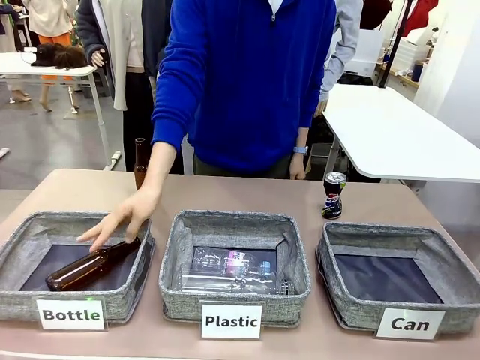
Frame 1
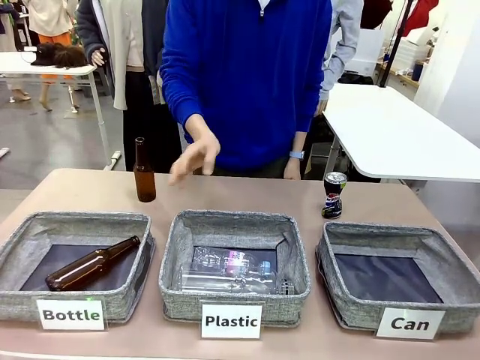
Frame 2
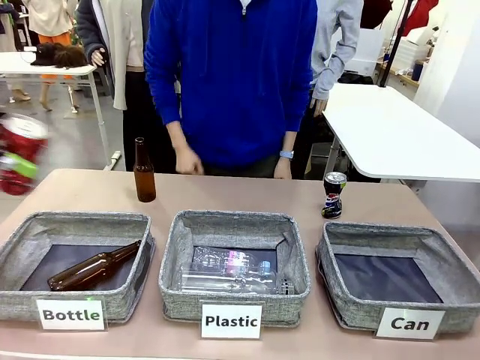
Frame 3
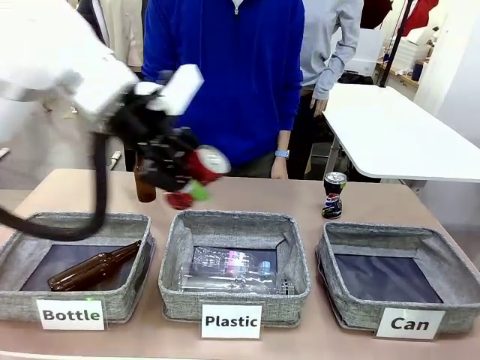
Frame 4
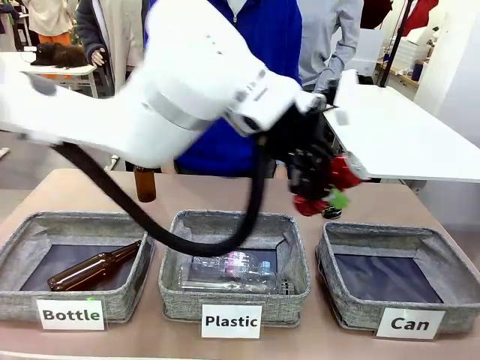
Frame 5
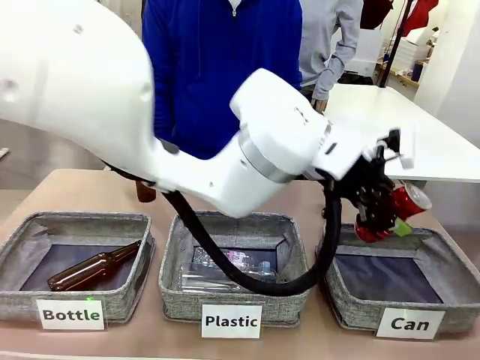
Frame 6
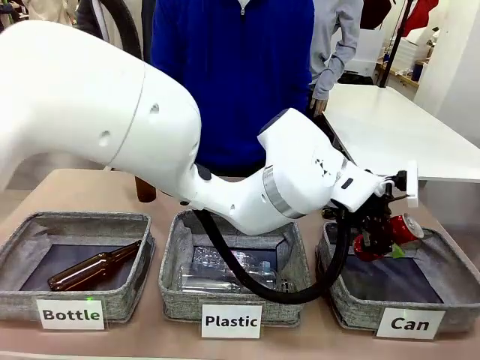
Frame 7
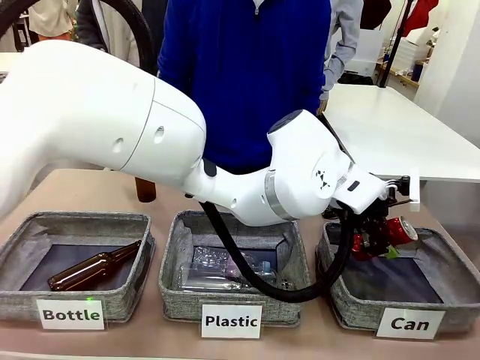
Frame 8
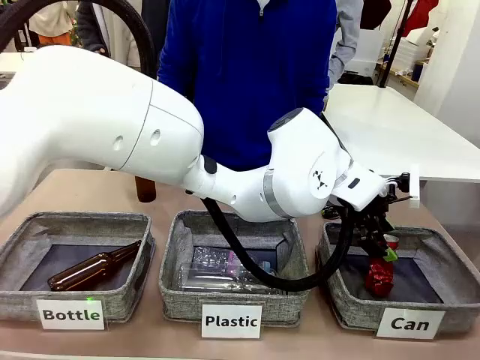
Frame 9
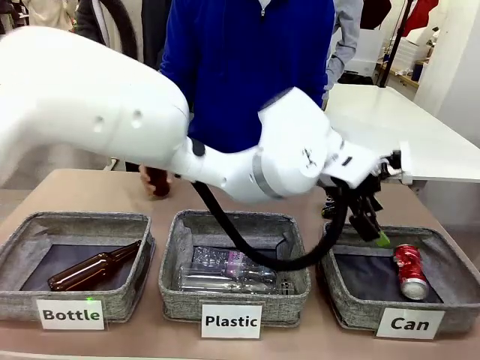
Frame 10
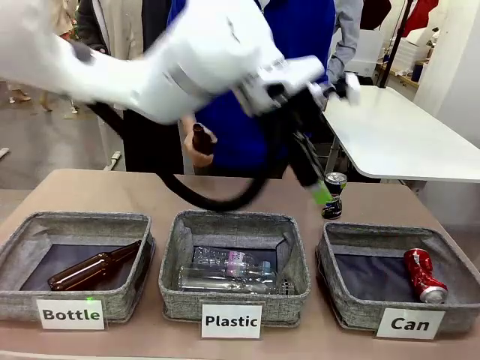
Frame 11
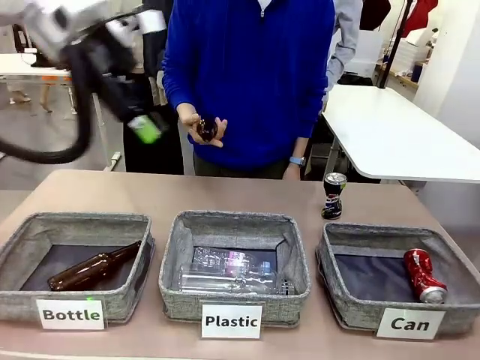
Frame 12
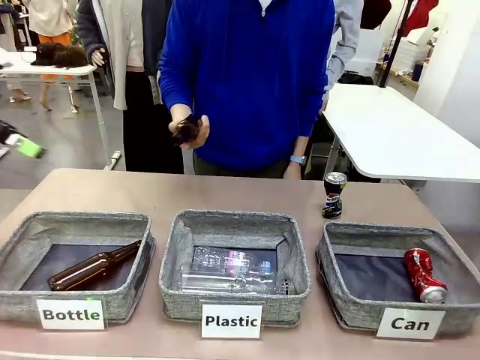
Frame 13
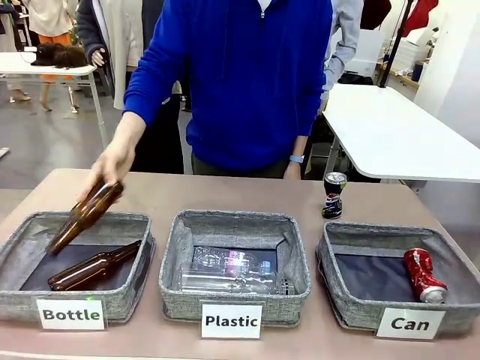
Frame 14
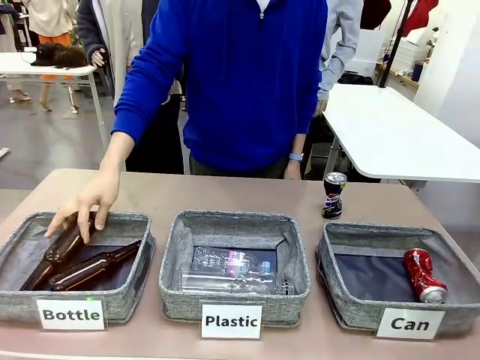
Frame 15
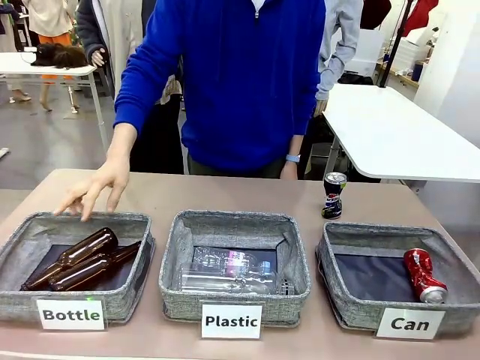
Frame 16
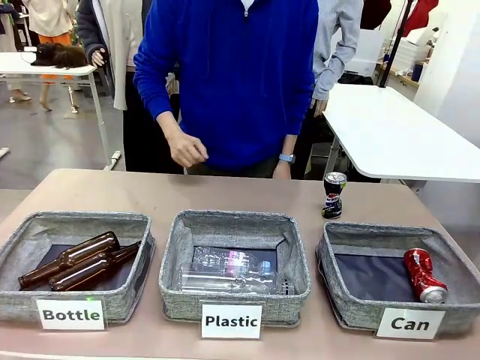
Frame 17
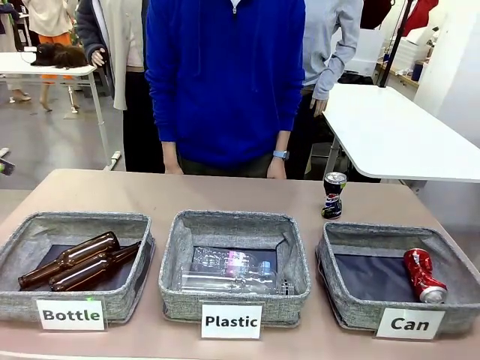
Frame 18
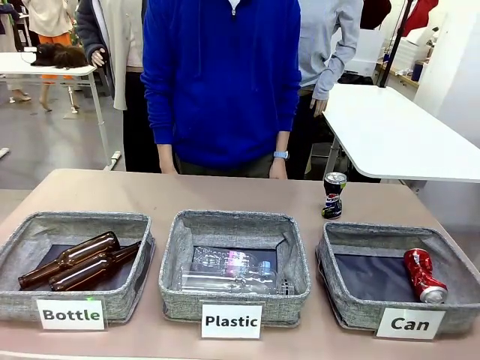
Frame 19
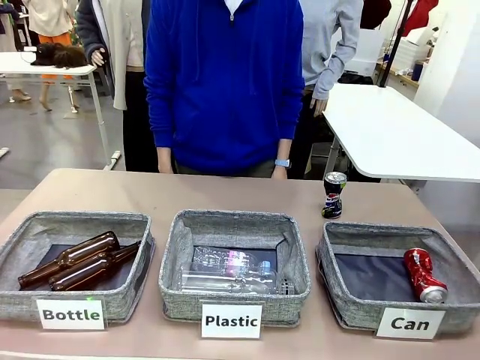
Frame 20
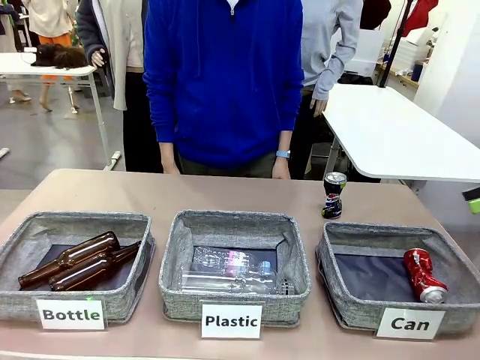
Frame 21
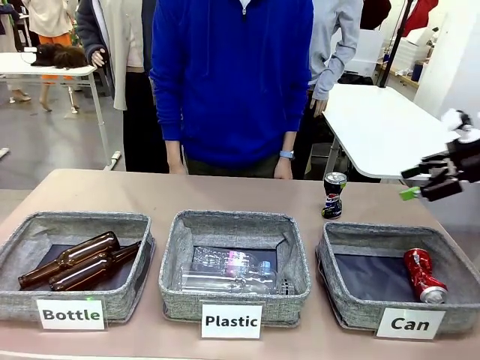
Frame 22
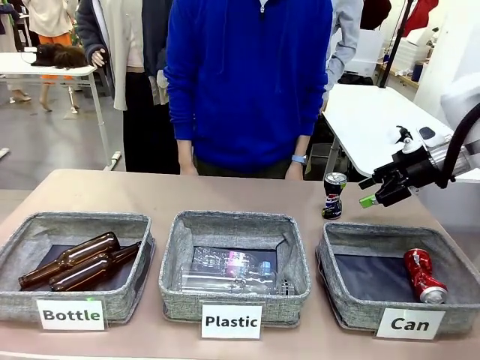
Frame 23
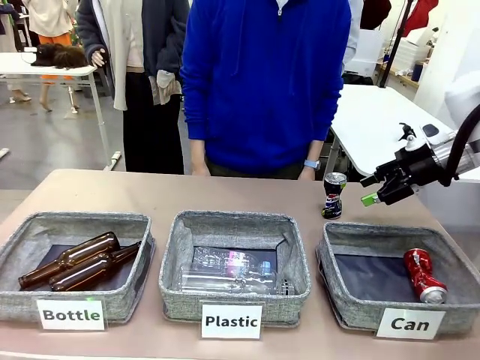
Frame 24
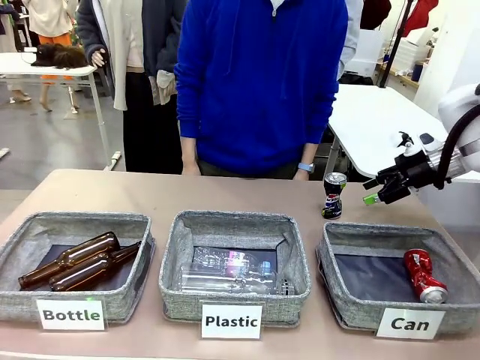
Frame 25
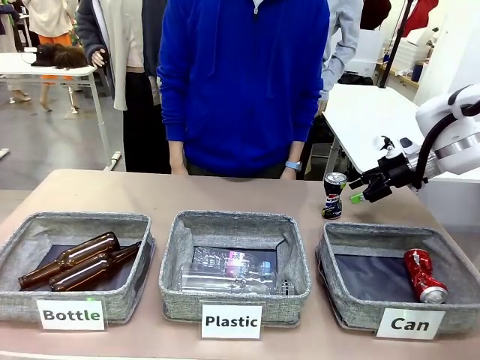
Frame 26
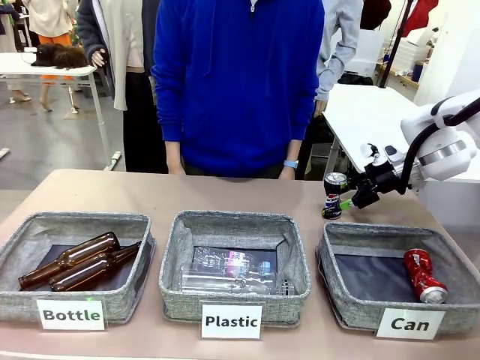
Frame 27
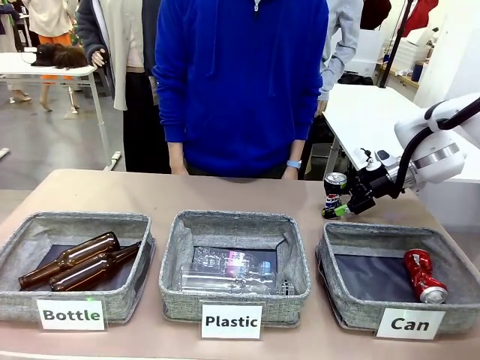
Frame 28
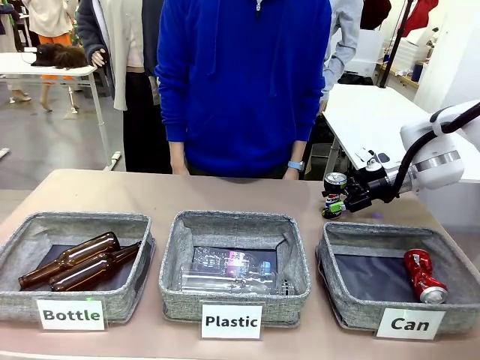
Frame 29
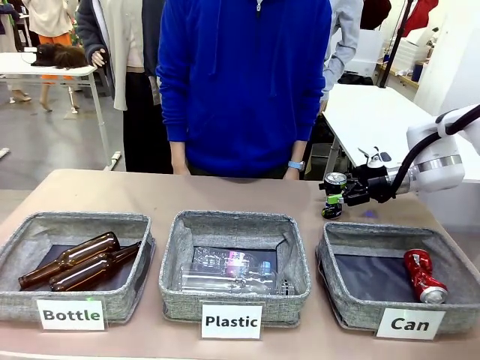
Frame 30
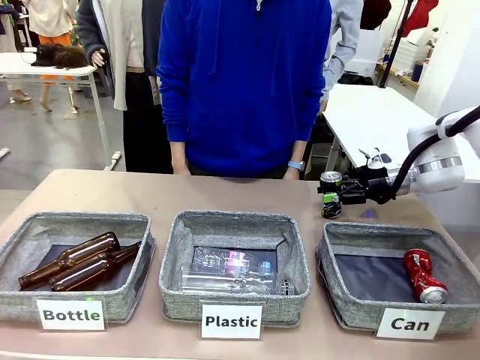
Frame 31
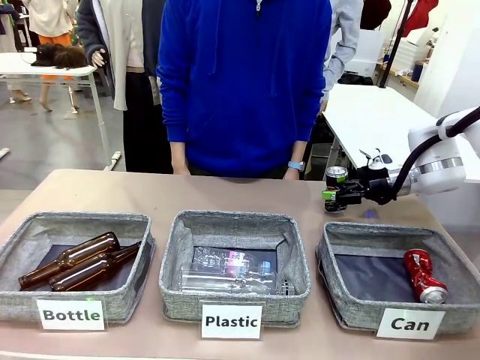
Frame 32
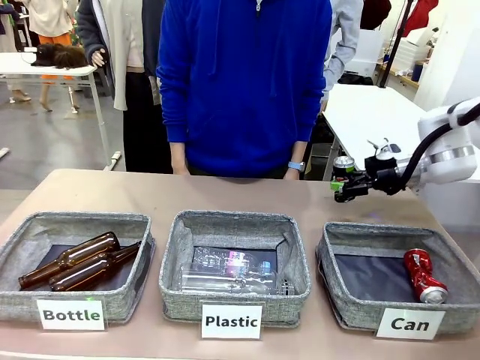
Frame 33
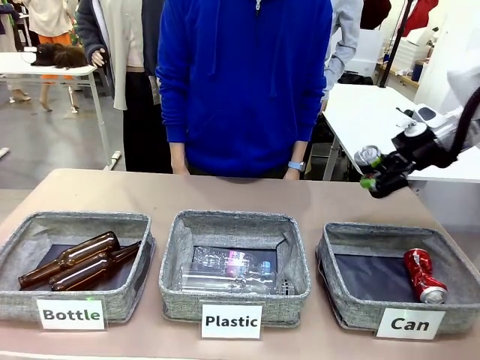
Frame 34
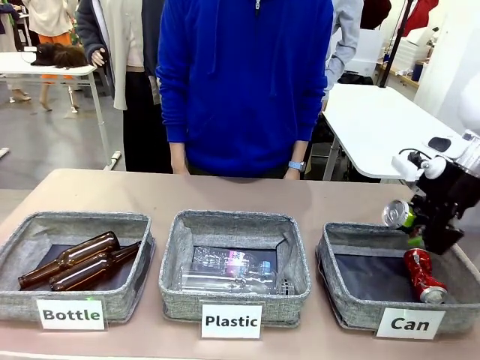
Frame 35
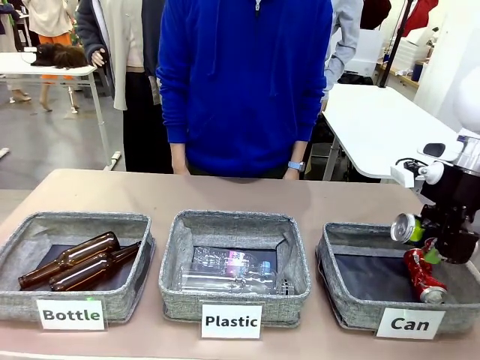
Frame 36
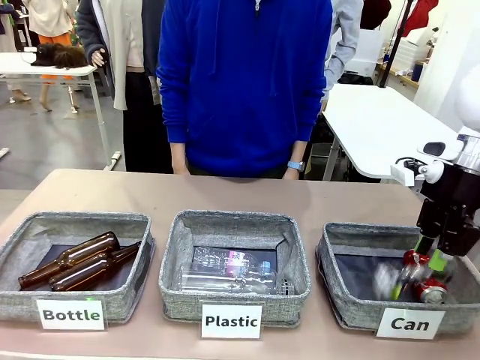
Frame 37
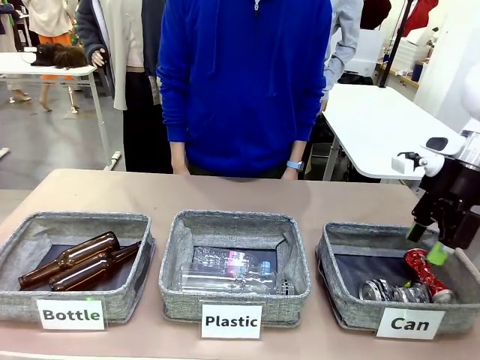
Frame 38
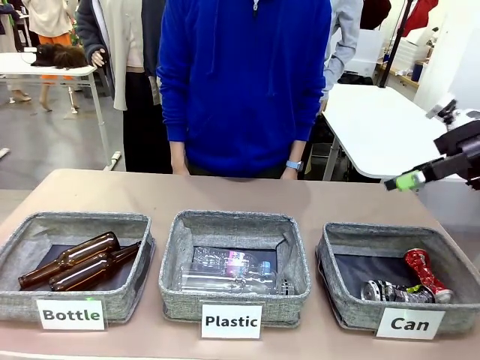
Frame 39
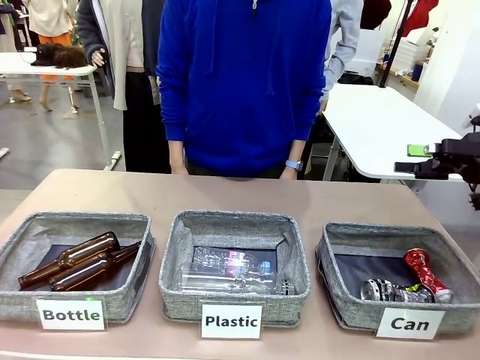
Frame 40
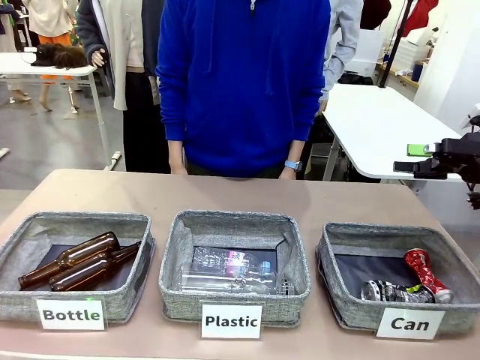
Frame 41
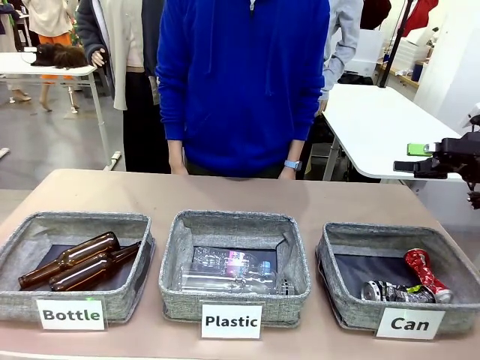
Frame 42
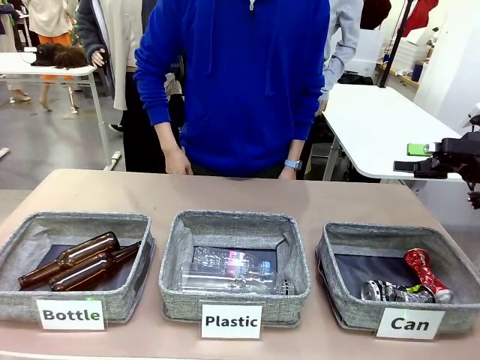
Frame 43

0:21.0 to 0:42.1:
Task: Sort the can waste into the basket.
Robot: Pick up the can waste from the table and place it in the right Fabric basket.
Person: The human picks up one piece of trash that is not a can and places the trash into the appropriate organizing basket.
